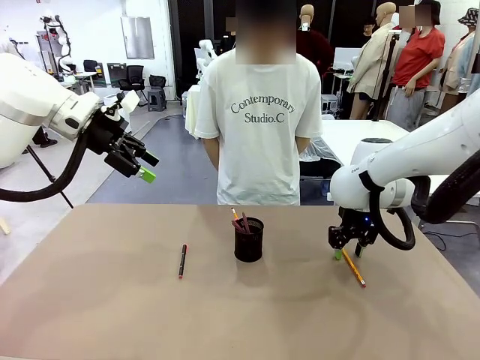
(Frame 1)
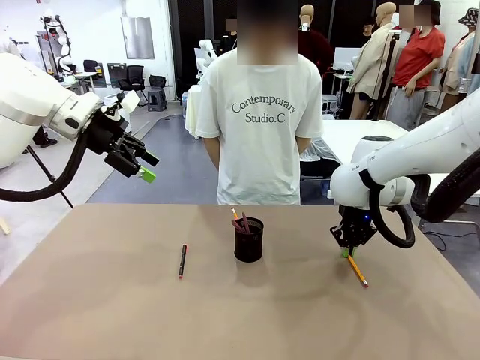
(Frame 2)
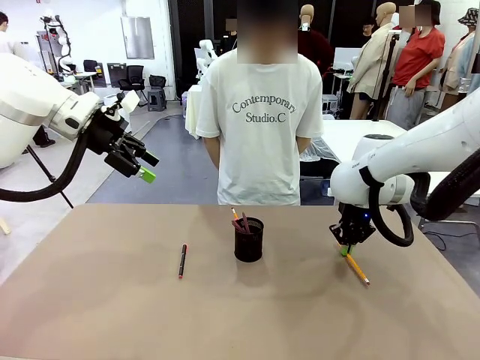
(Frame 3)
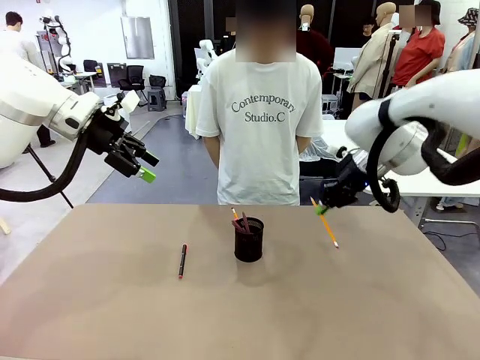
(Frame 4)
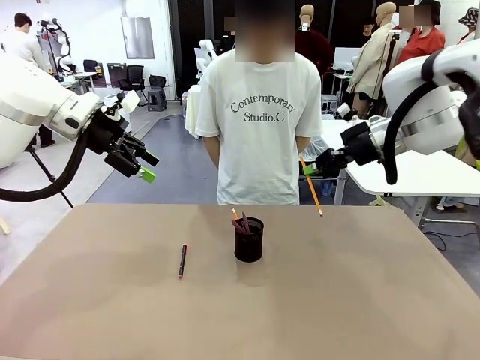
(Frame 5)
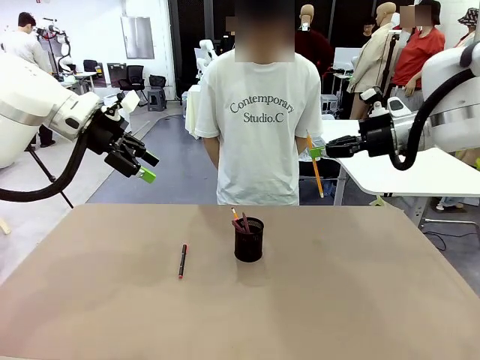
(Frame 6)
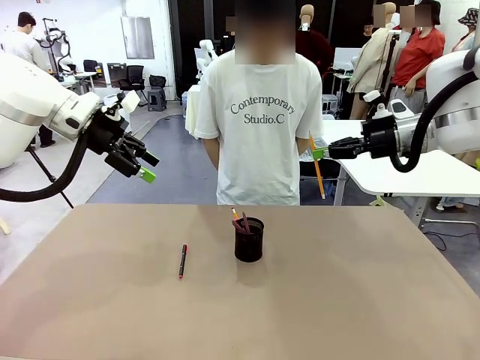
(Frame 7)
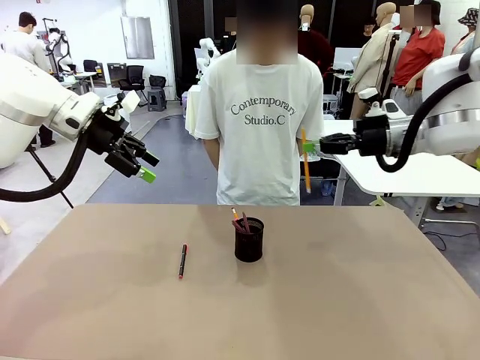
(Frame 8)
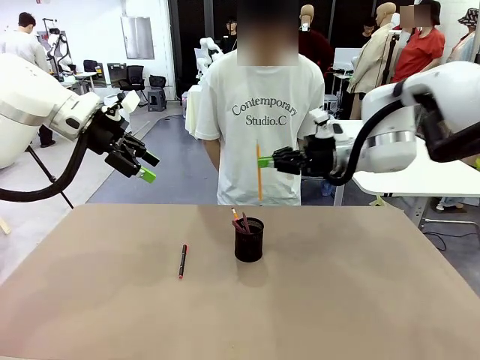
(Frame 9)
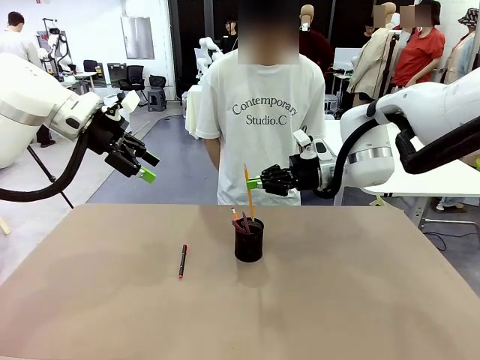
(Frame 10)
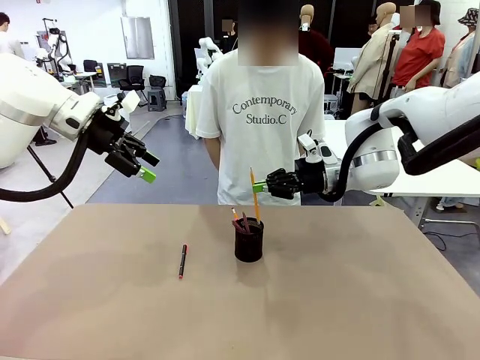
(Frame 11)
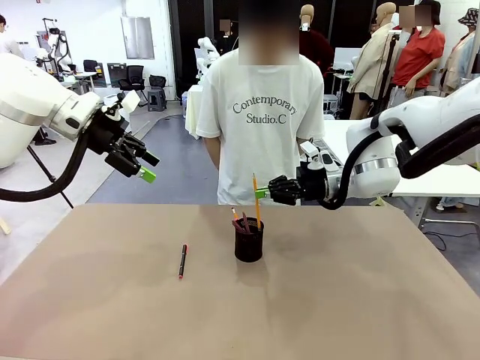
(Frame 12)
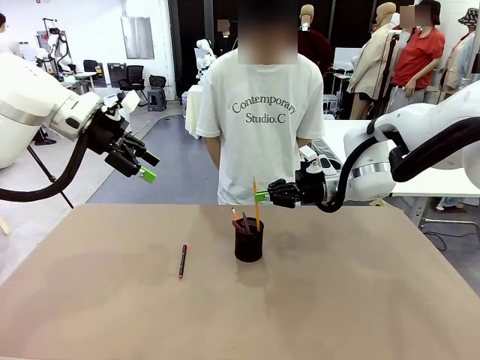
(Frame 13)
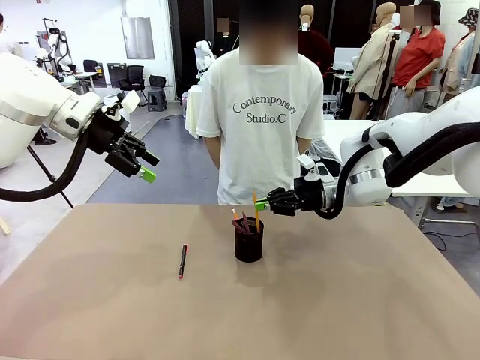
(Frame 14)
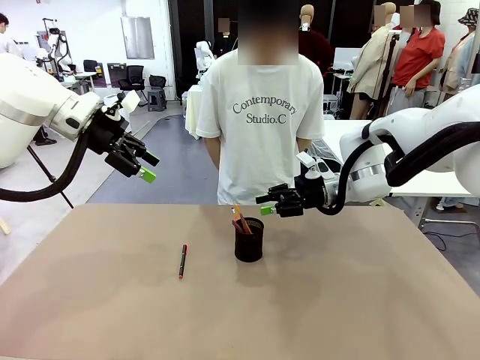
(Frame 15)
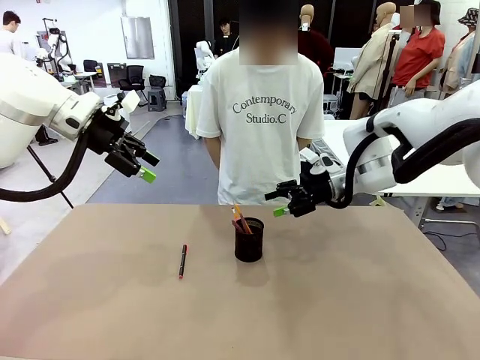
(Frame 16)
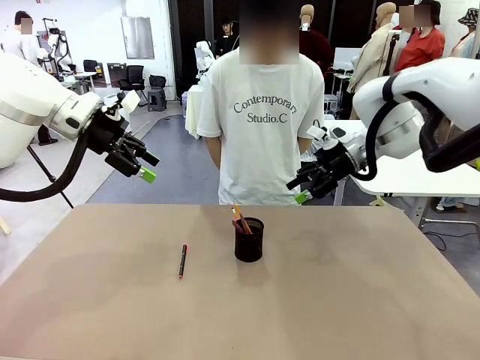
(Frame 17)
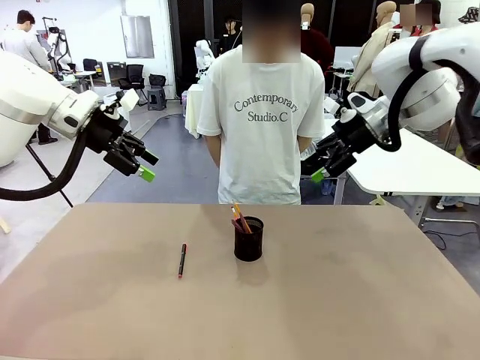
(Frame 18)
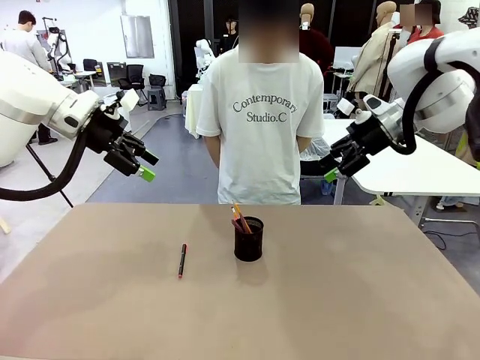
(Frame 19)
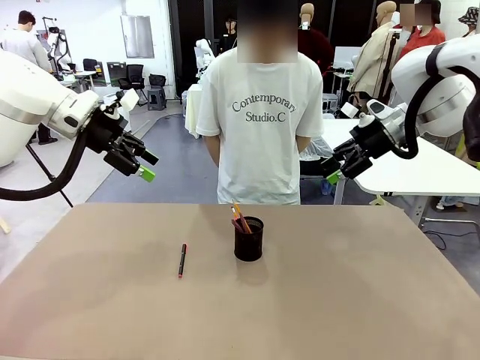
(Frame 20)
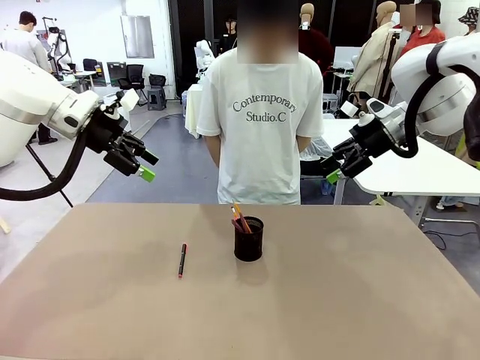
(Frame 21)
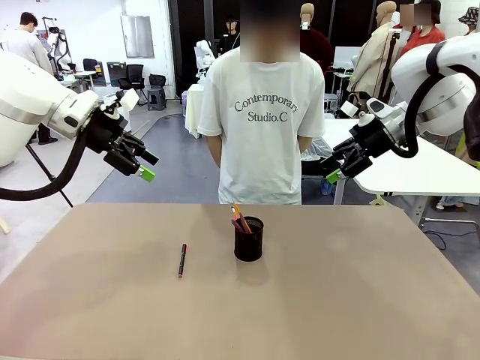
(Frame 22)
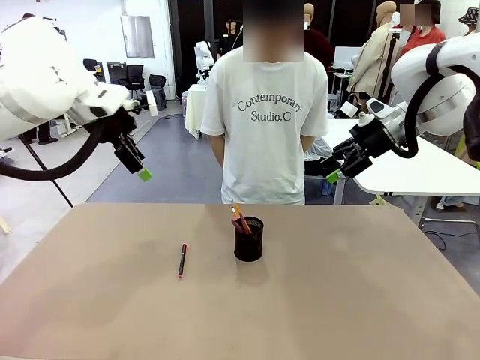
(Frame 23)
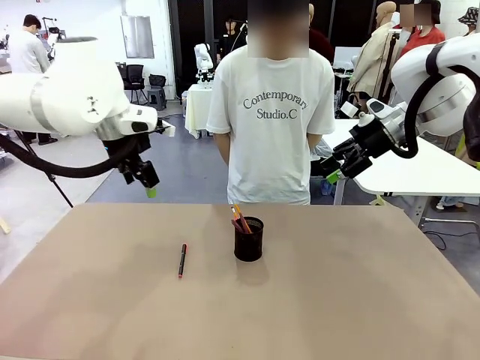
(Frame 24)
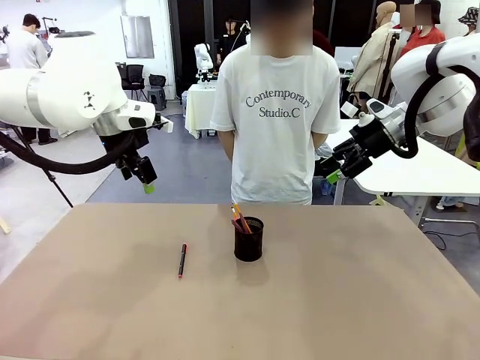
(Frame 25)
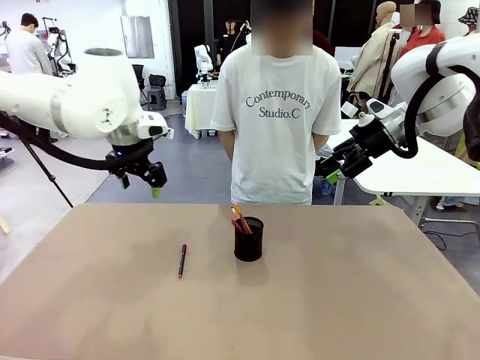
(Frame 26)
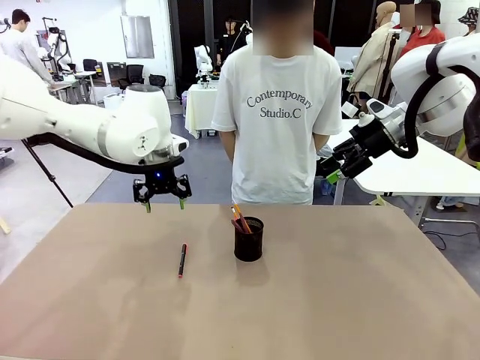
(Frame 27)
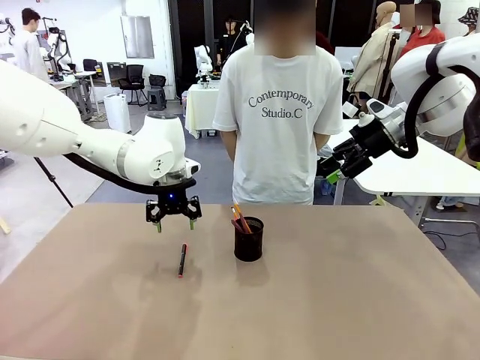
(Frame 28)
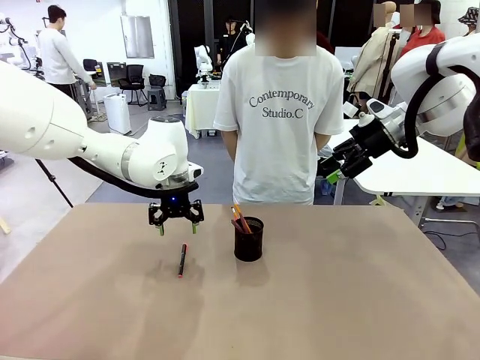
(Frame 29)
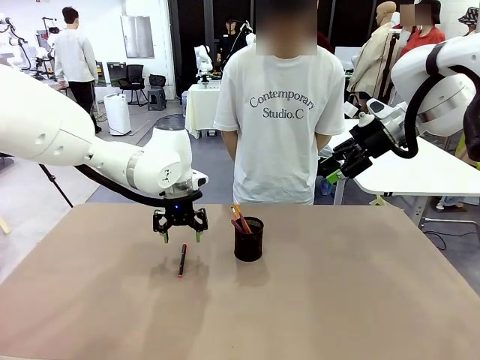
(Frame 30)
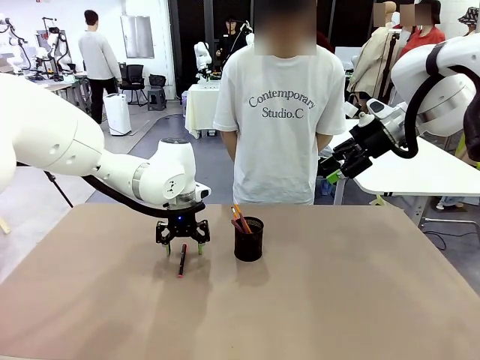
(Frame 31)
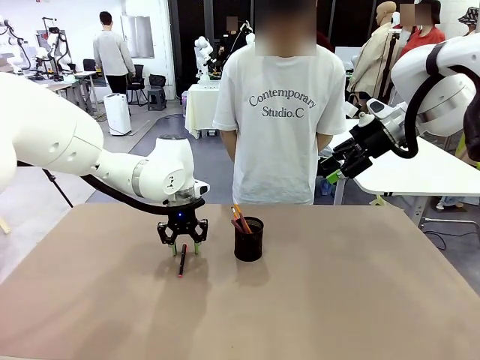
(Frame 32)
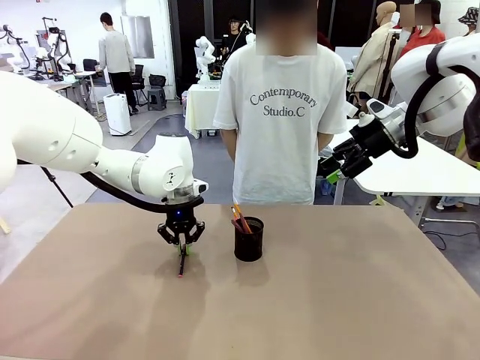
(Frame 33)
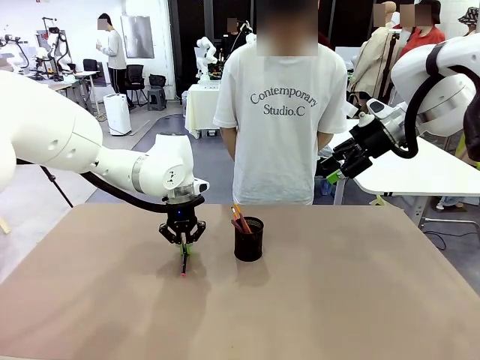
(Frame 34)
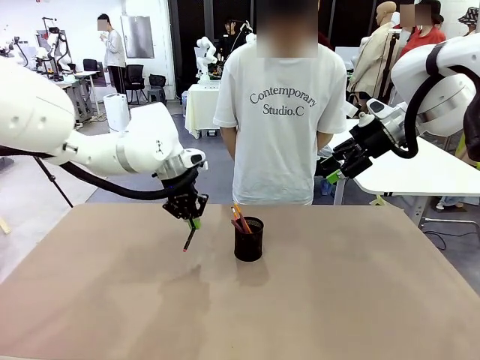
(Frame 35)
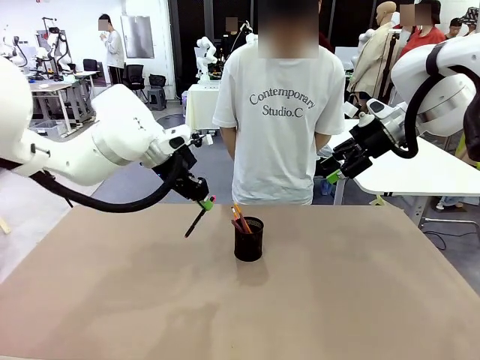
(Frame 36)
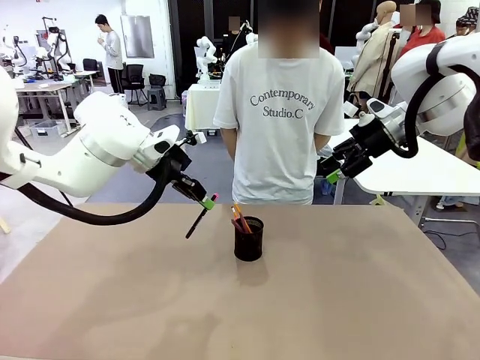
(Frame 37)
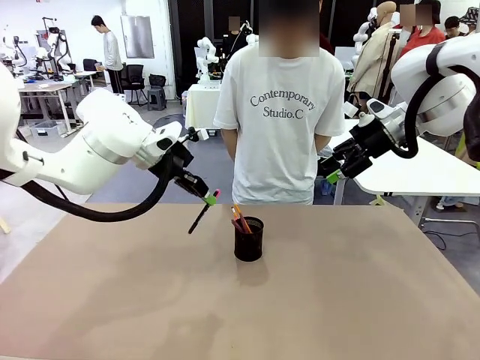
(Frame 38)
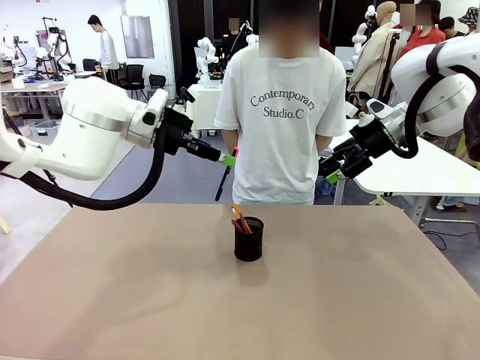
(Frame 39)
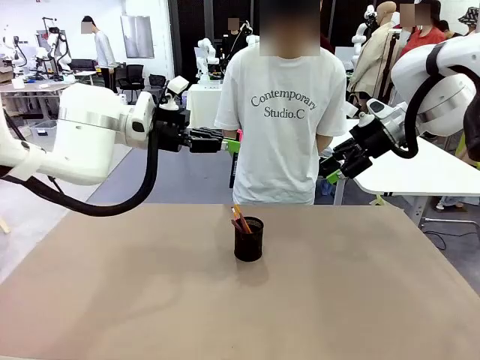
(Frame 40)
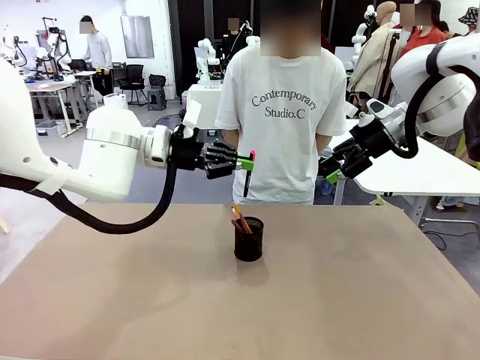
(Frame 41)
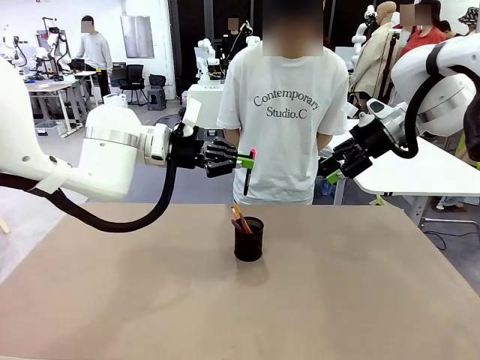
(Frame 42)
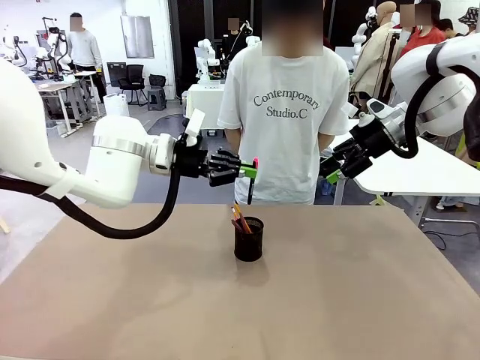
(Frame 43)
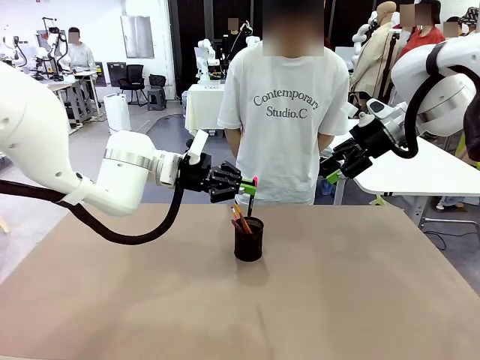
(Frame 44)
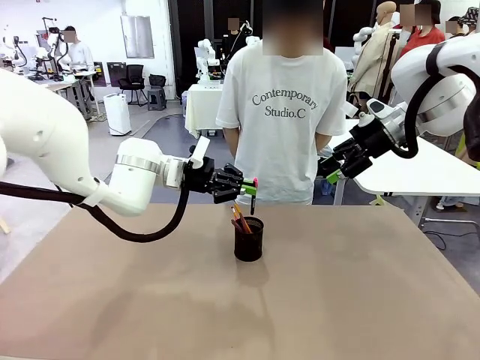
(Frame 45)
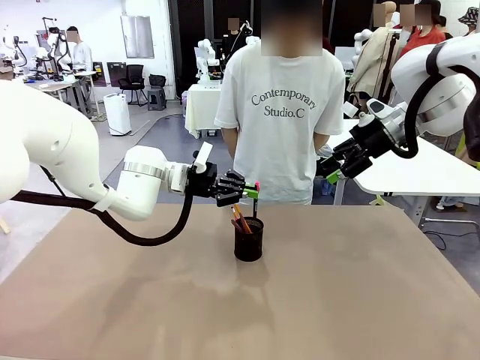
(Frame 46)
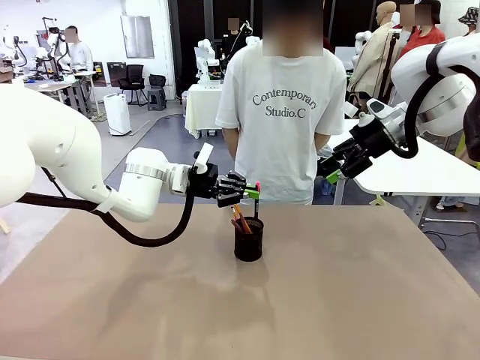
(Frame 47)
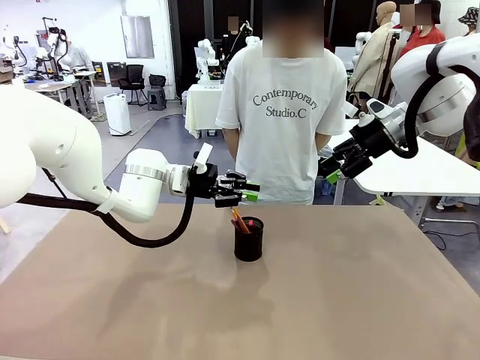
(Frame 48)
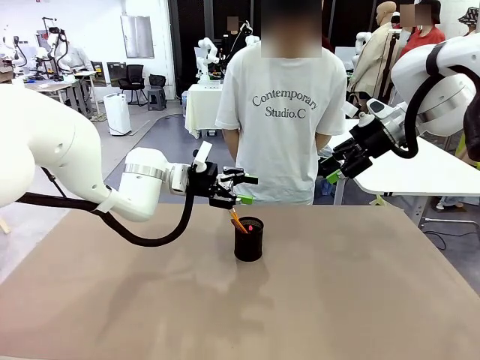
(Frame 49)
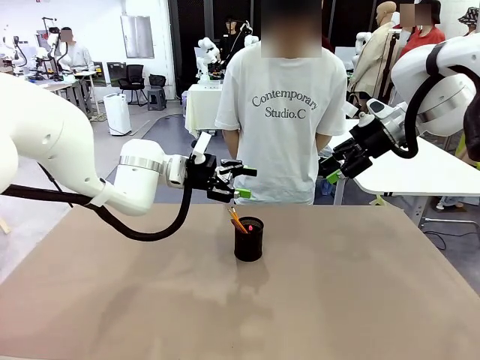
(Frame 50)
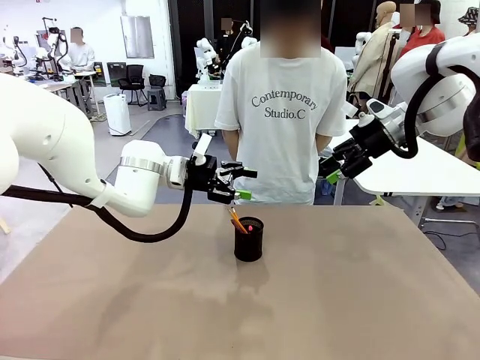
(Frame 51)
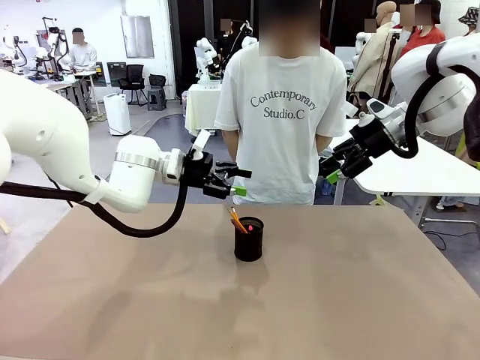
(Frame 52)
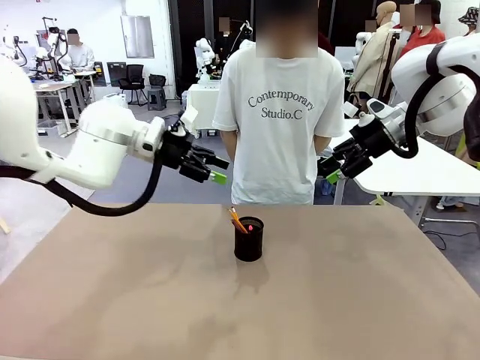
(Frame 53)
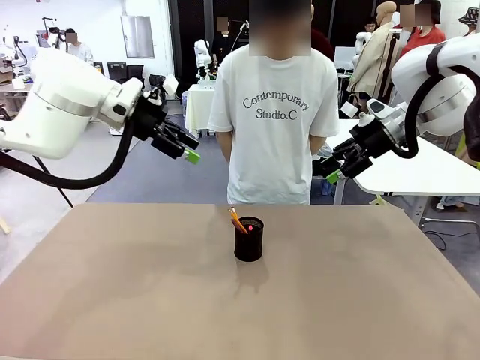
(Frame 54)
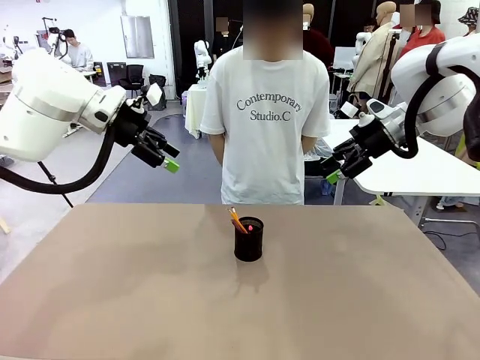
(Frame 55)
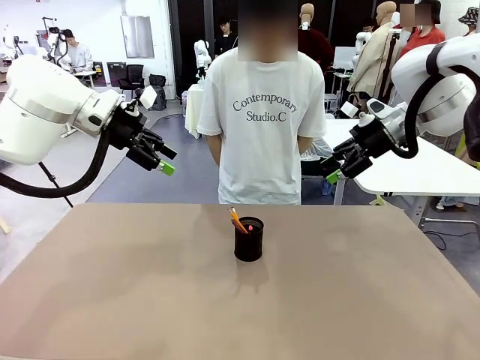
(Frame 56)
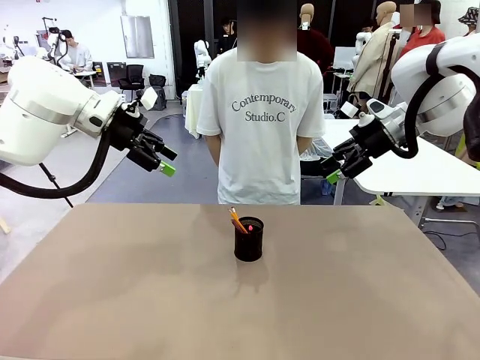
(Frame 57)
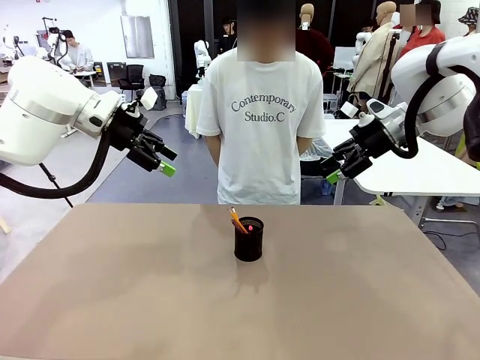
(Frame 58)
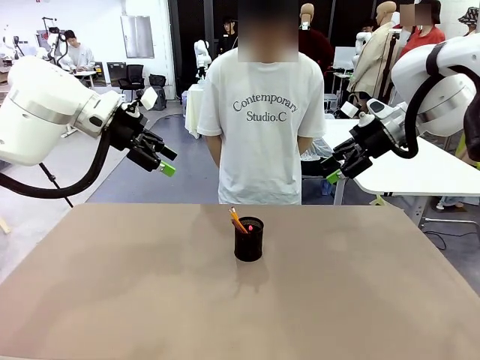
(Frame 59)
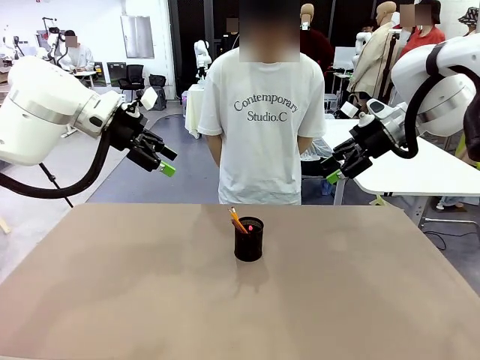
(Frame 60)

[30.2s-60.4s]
Task: Place the pens into the pen holder.
Robot: Pick up a writing instrument from the table and place it into the Pen holder.
Person: Place all writing instrument into the Pen holder.
